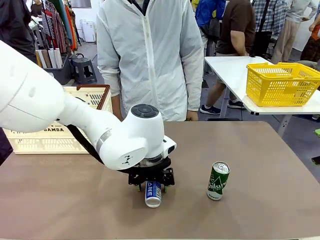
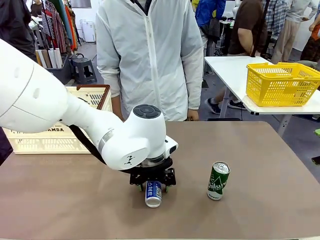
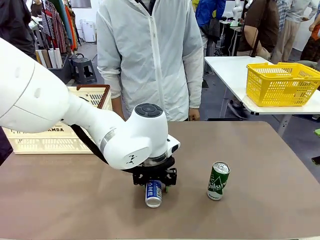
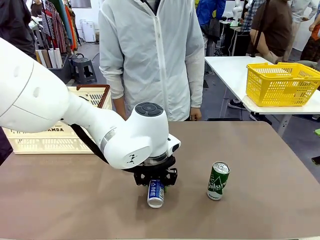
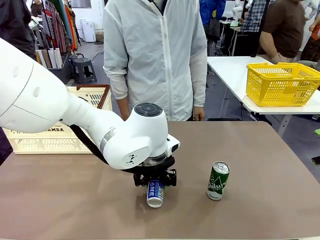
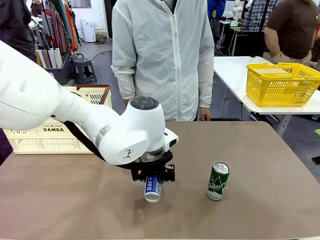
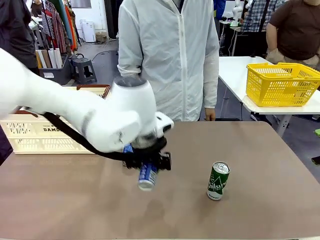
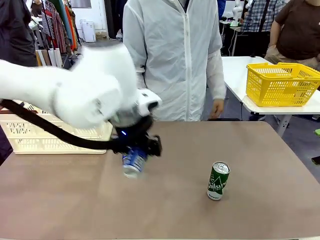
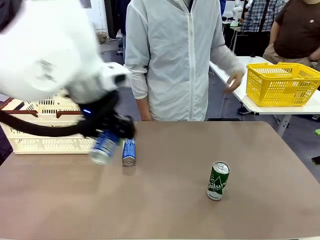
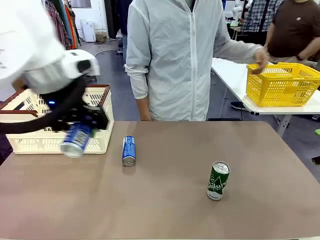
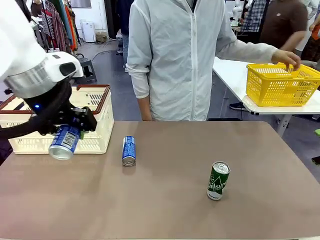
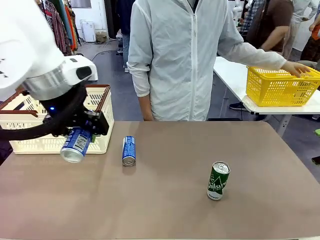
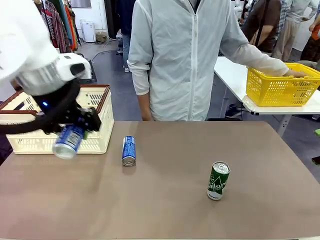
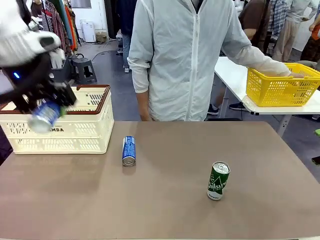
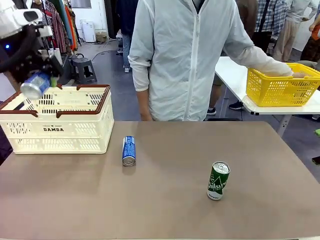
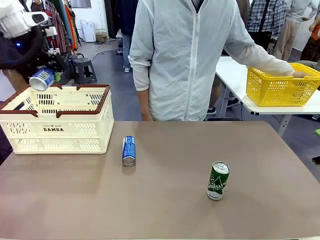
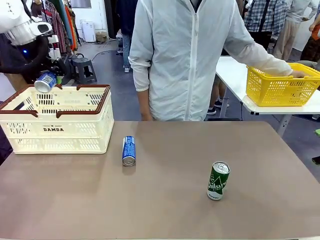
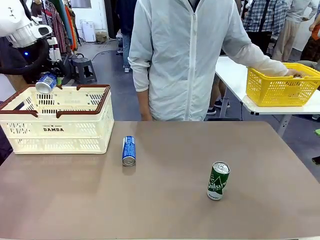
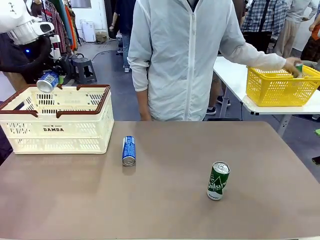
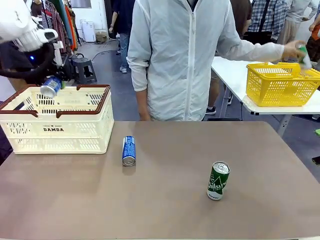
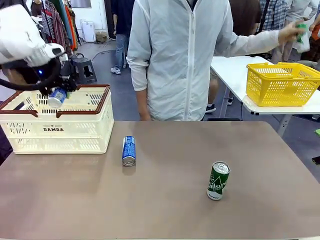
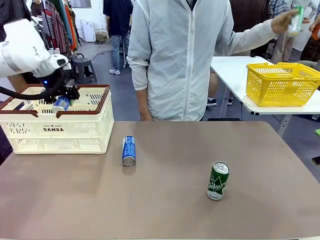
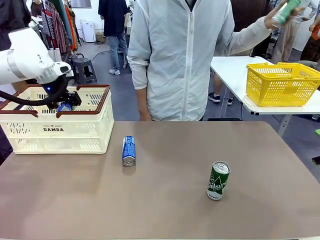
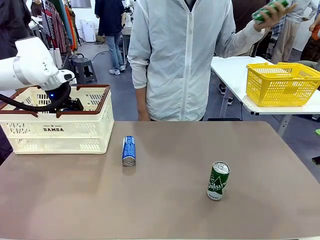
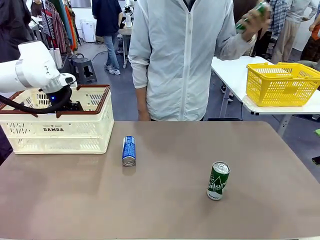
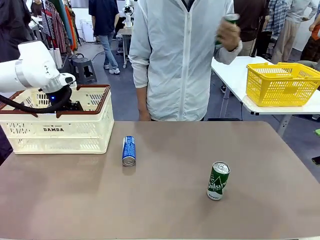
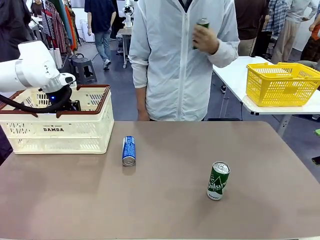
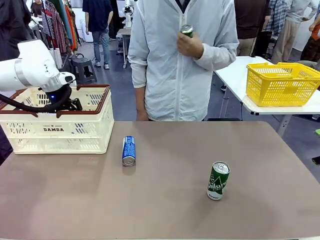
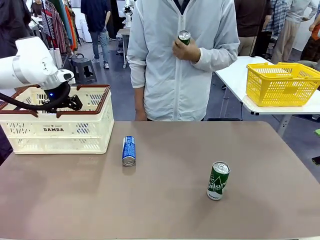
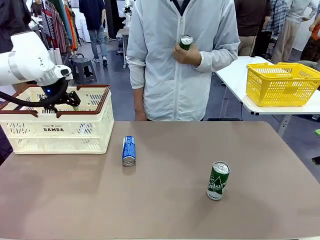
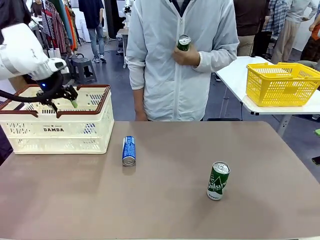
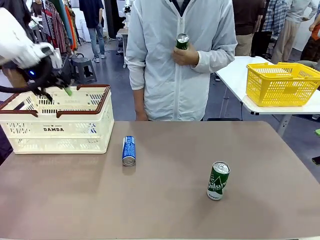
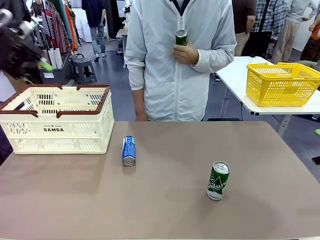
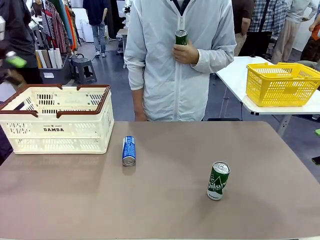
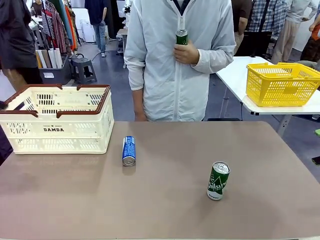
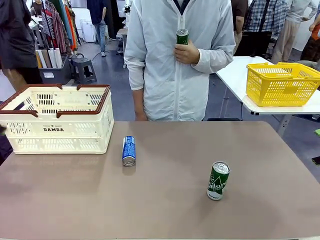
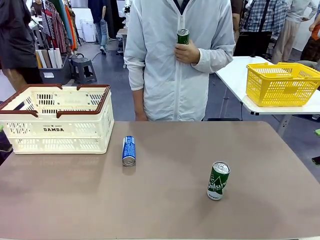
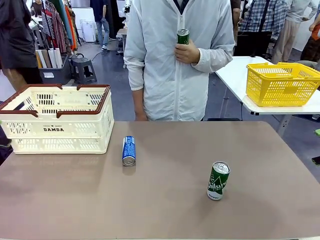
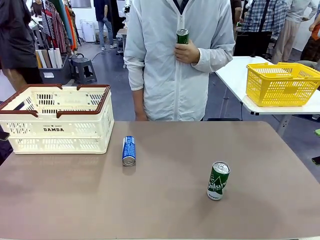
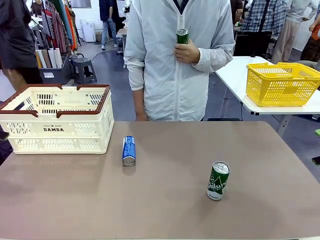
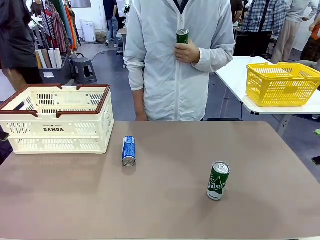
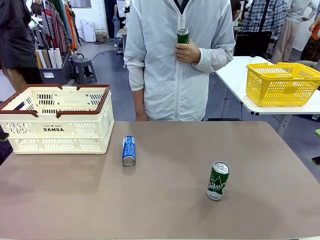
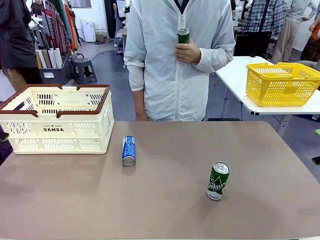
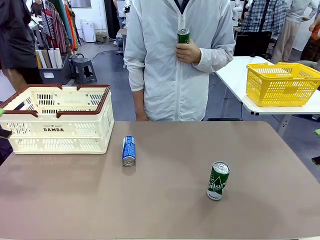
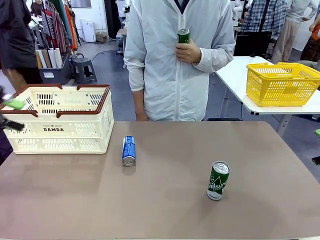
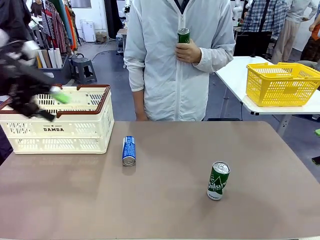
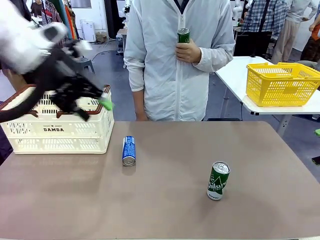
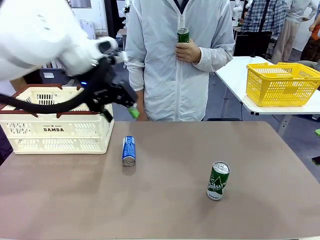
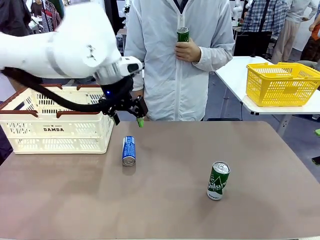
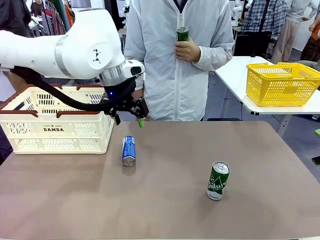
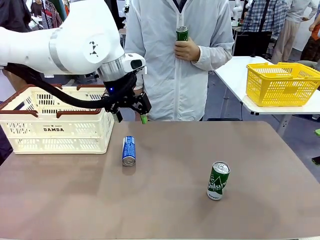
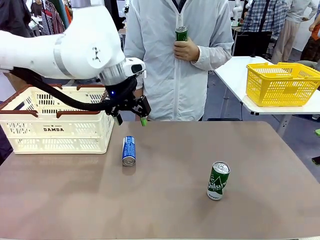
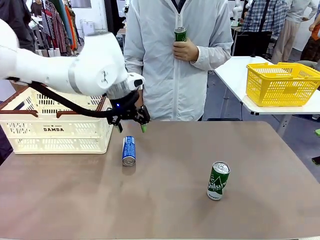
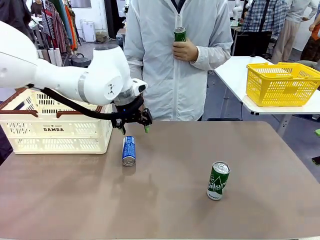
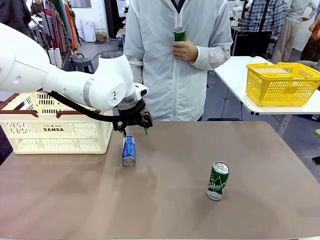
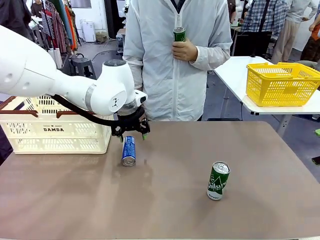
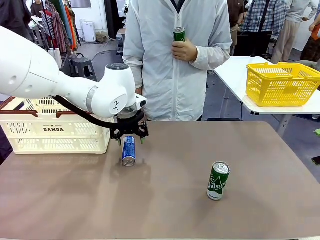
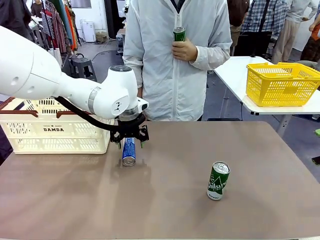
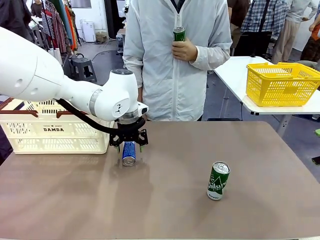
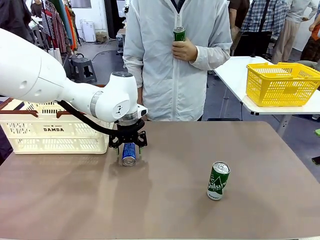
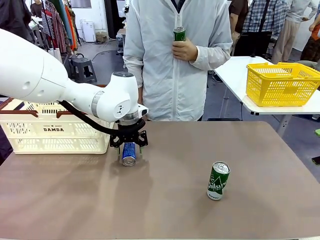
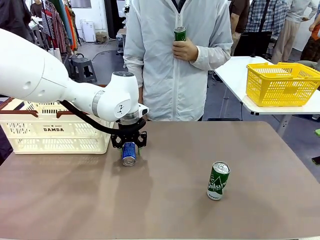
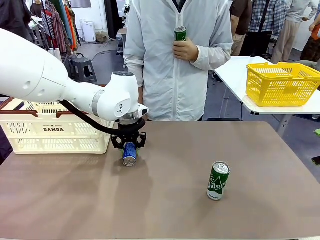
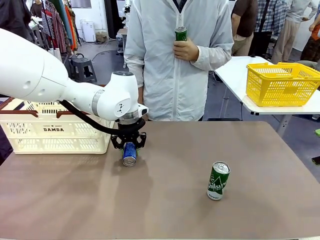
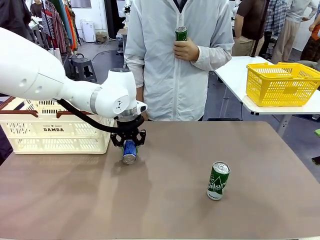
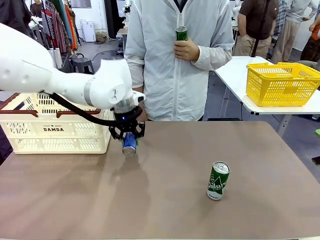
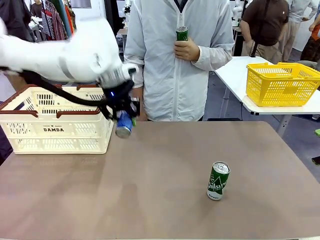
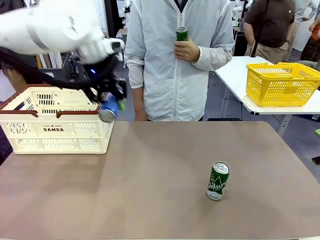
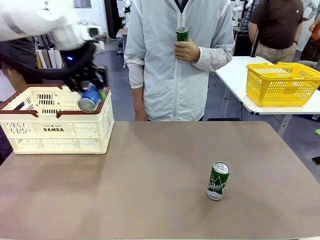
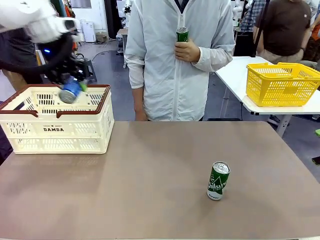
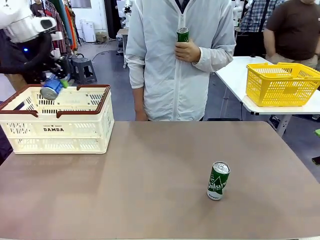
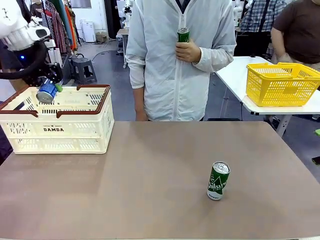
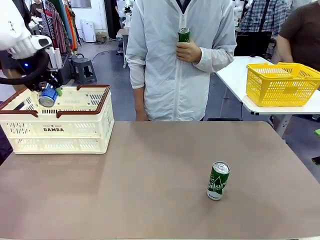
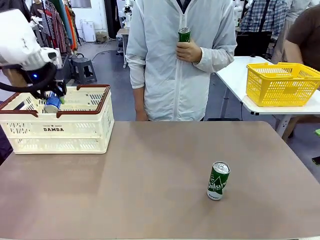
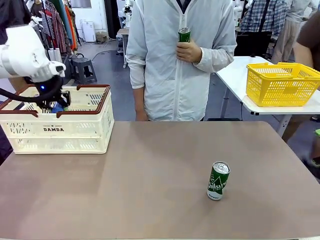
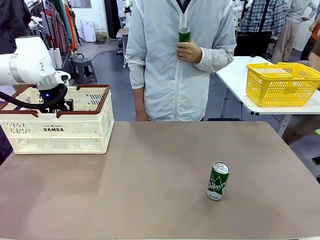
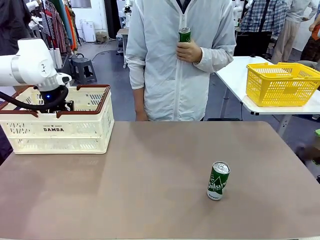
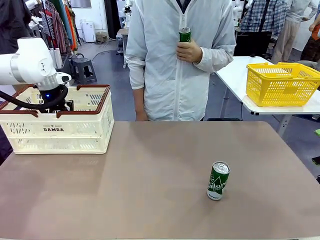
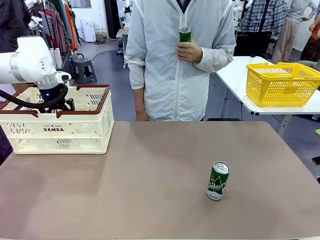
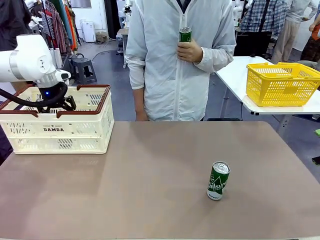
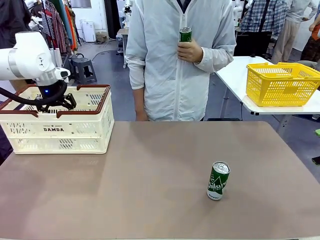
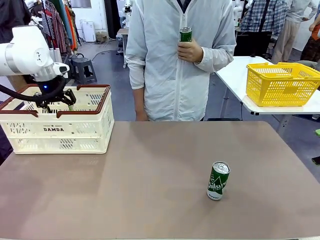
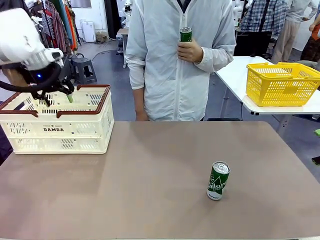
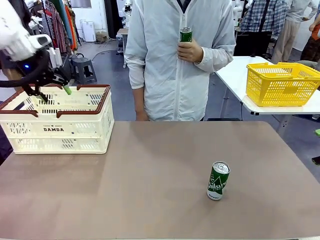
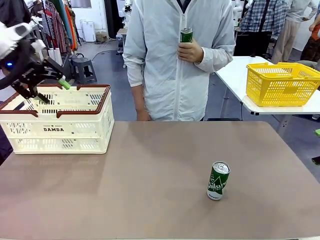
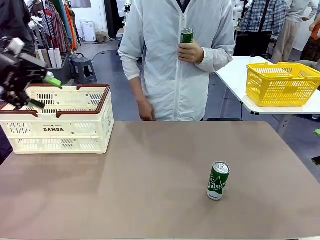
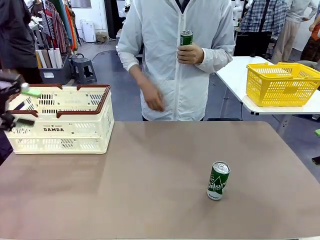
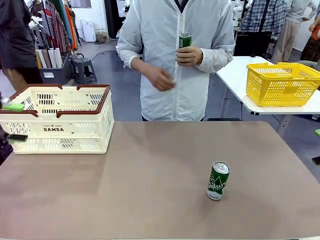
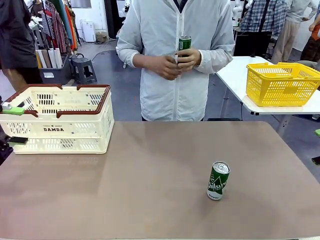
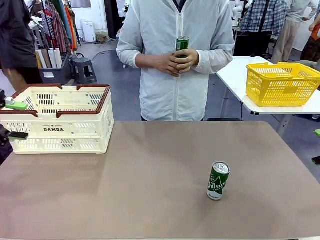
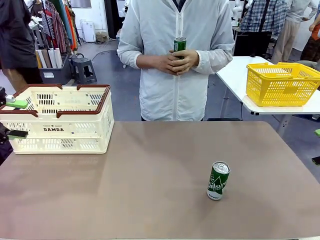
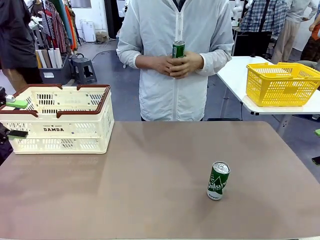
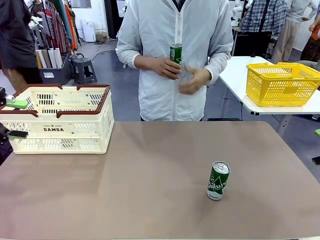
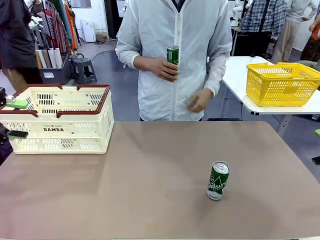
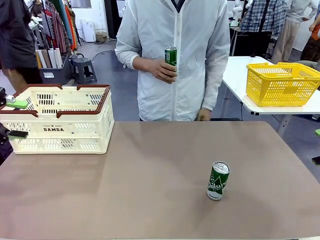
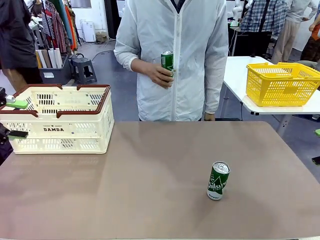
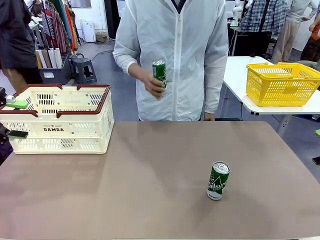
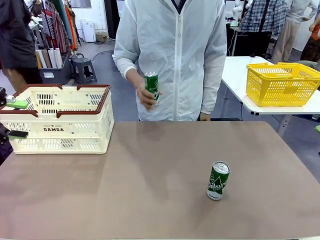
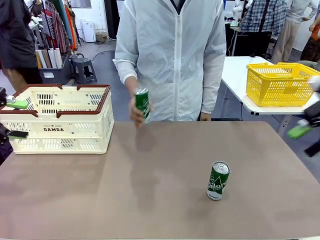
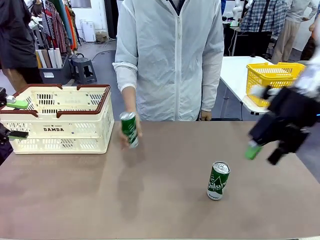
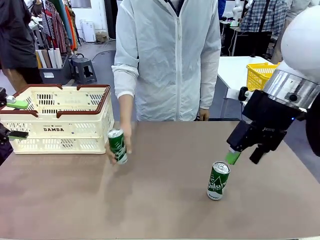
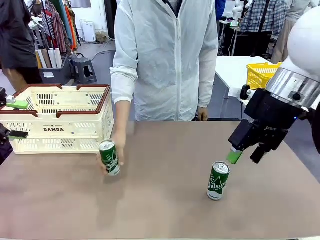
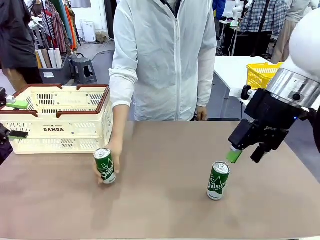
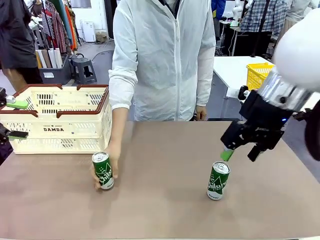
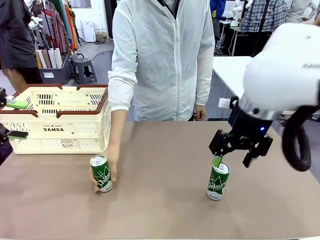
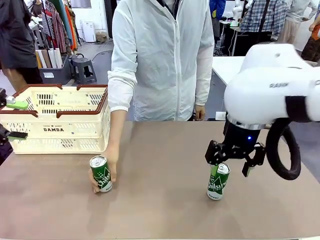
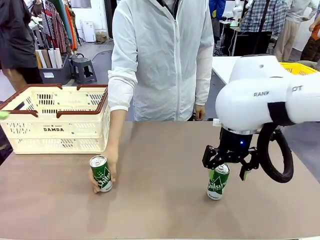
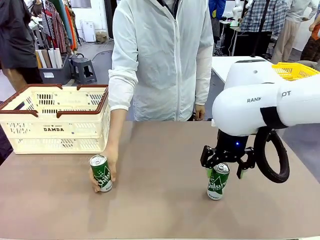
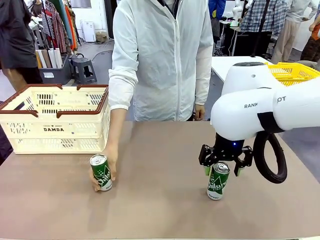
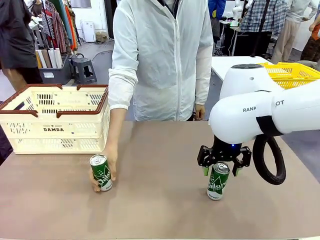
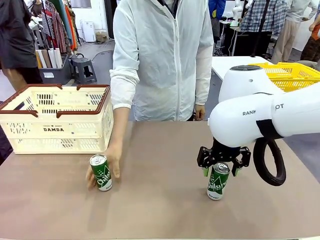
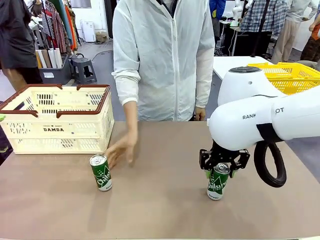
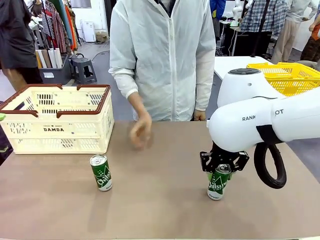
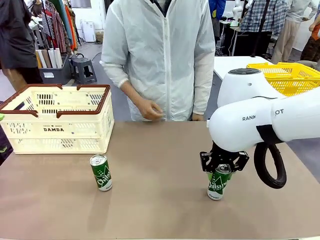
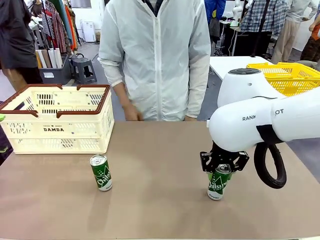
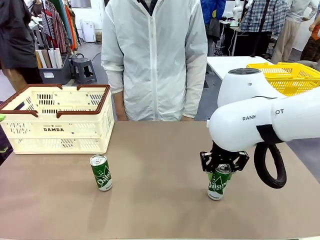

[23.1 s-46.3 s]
Task: Place the drinks into the Shopping basket.
Robot: Pick up one drink and place it into the Shopping basket.
